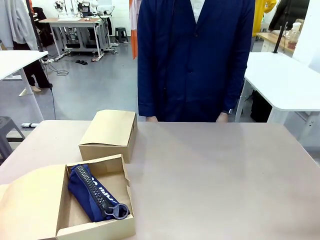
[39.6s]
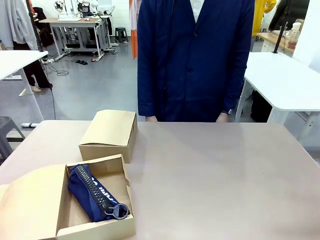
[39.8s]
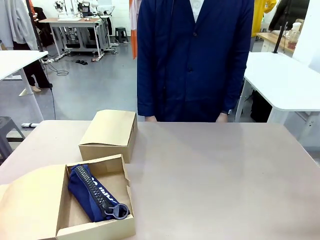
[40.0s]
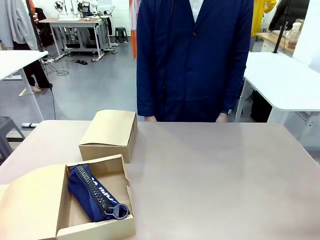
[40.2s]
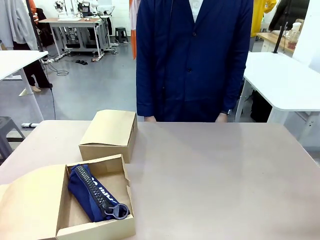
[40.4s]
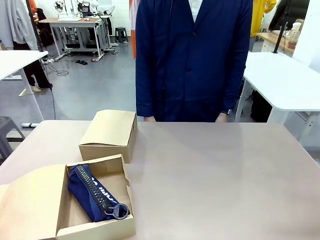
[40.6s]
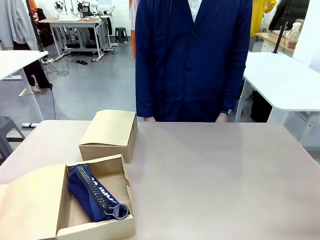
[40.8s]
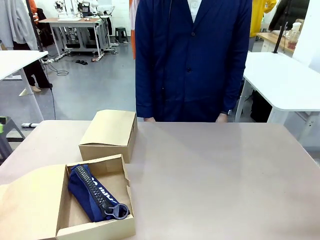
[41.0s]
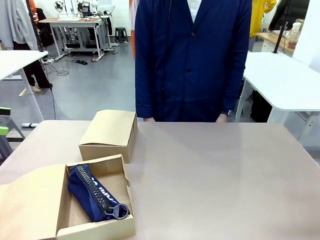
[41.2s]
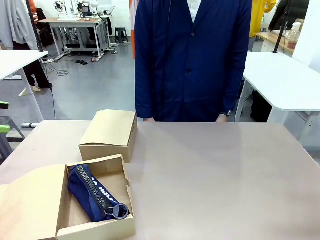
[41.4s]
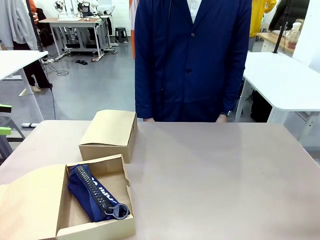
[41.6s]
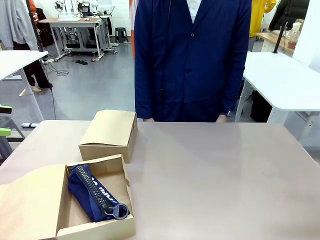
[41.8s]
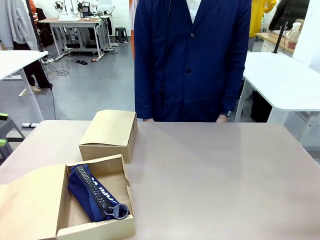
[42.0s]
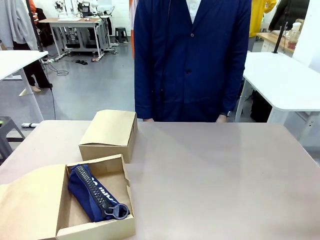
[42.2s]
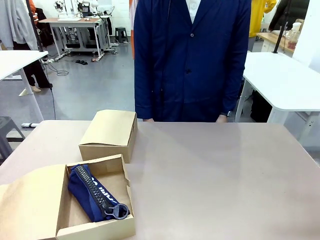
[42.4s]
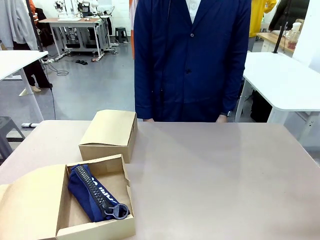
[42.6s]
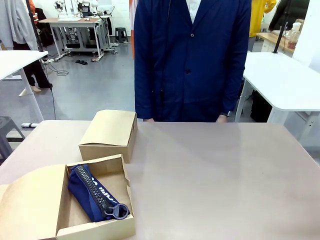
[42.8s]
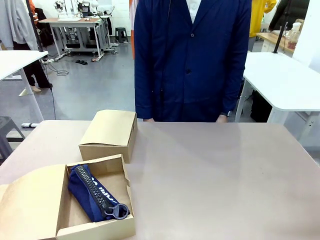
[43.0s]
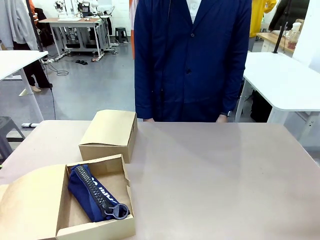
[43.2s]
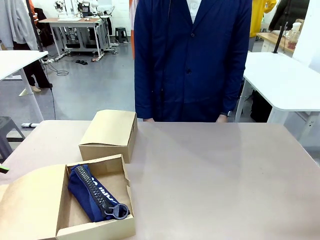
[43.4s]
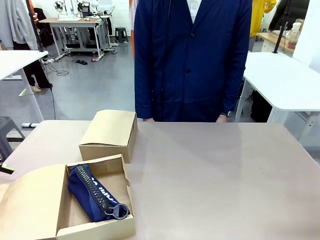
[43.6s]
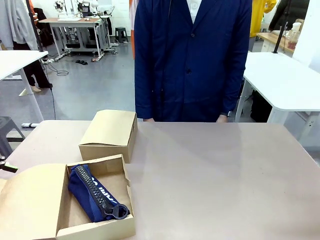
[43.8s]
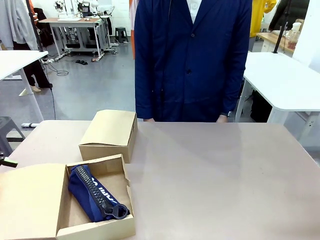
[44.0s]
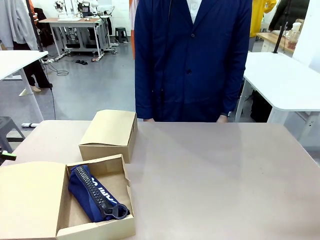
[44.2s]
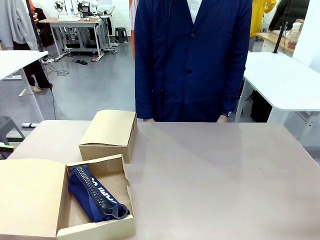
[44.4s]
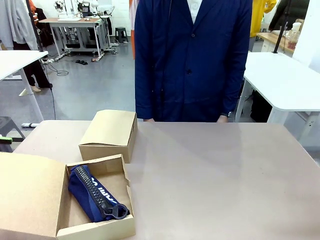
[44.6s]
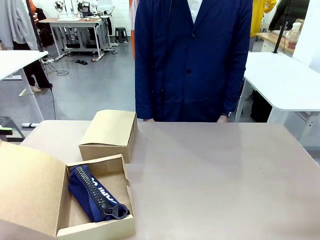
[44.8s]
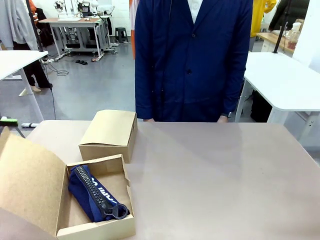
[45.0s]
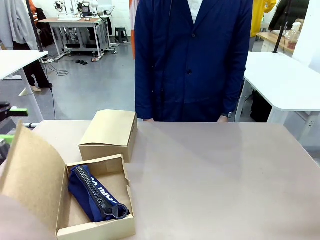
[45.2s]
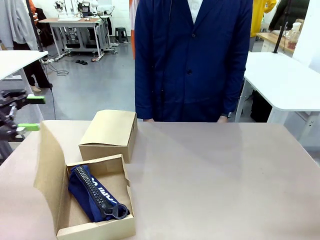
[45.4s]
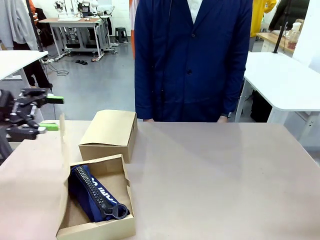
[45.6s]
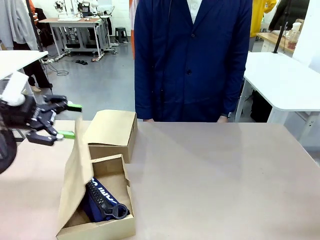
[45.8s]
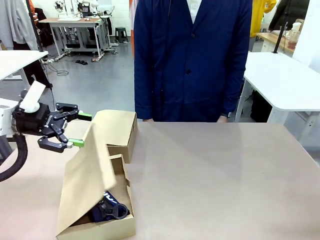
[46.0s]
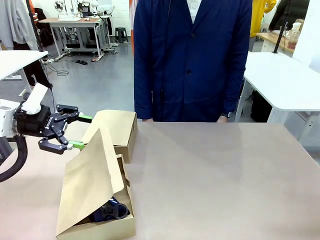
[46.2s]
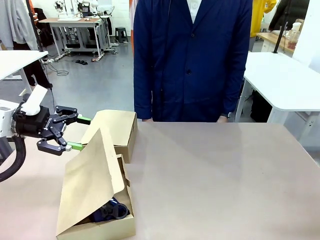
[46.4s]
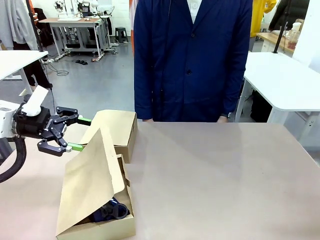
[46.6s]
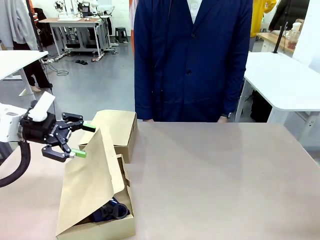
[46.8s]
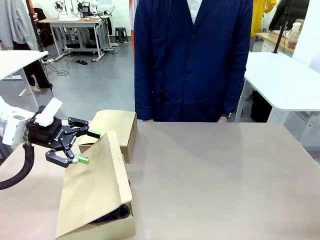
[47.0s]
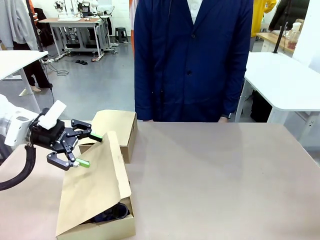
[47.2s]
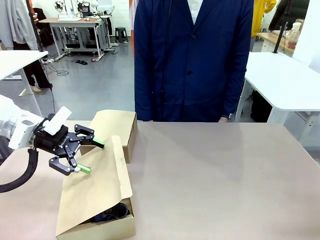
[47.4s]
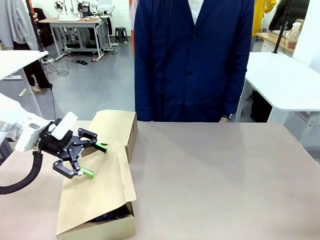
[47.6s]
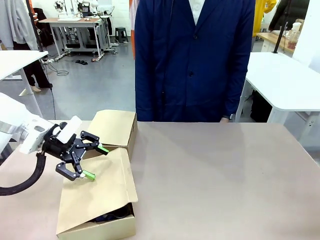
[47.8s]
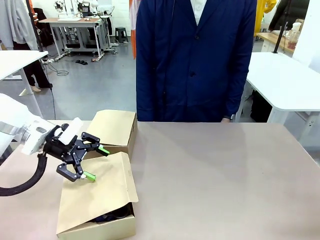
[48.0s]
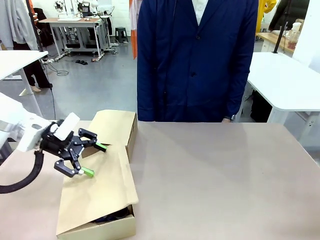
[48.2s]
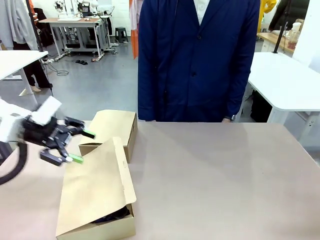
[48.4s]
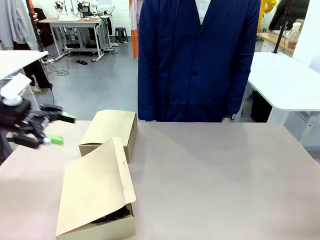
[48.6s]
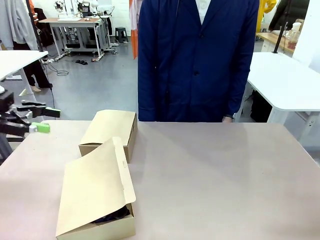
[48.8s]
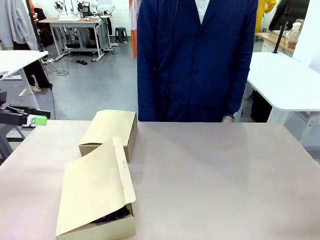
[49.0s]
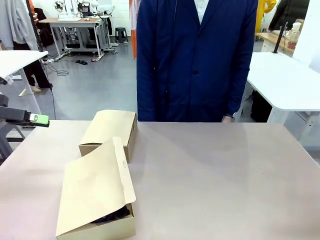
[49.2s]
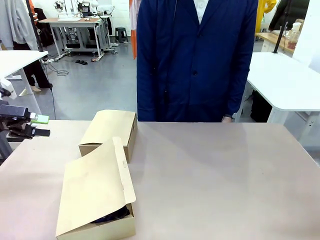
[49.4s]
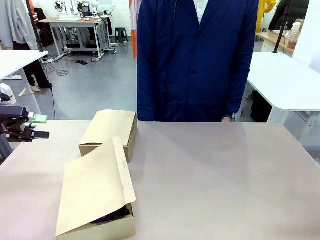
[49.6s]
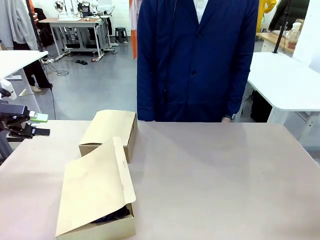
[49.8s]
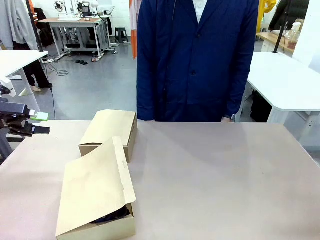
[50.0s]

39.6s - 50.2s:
Task: Place items inside the box.
Robot: Close the lid of the Mailer Box closest to the robot.

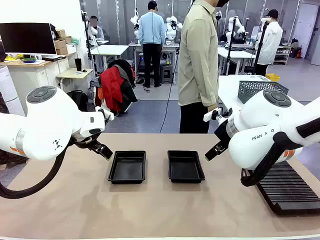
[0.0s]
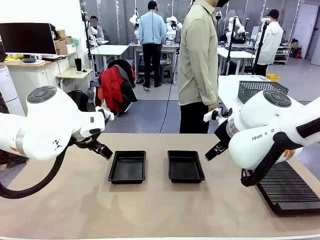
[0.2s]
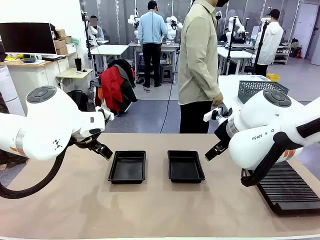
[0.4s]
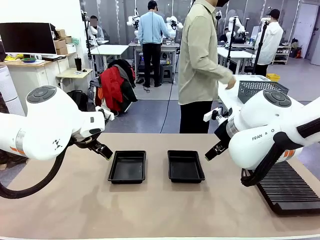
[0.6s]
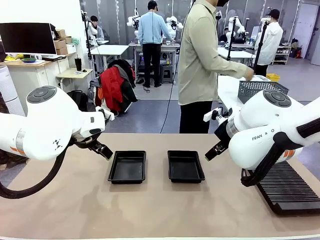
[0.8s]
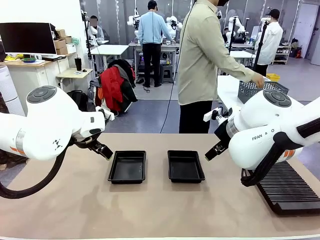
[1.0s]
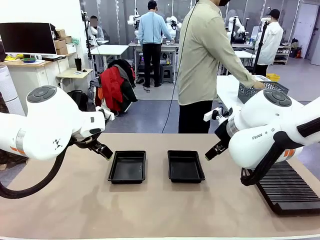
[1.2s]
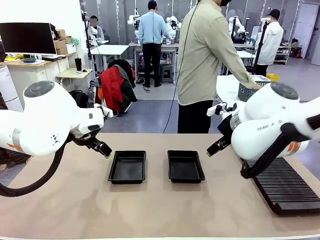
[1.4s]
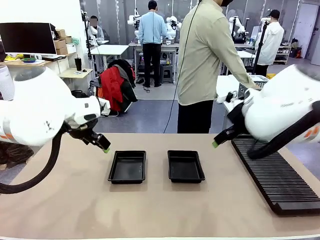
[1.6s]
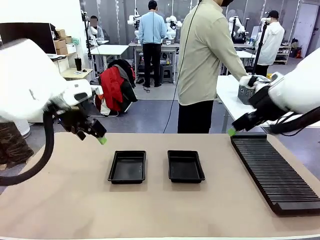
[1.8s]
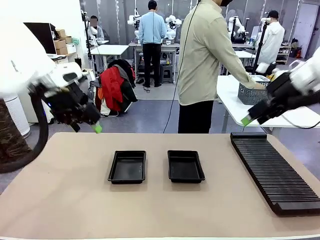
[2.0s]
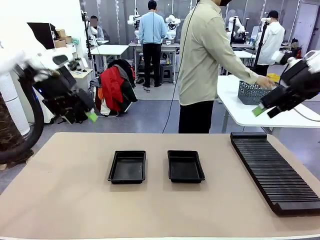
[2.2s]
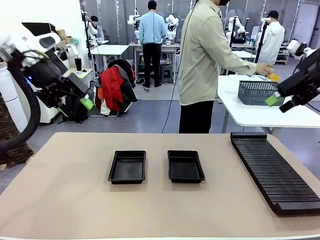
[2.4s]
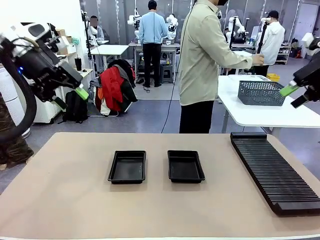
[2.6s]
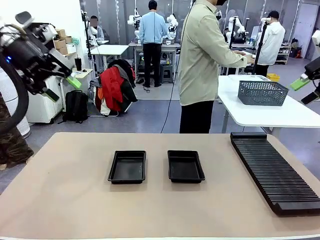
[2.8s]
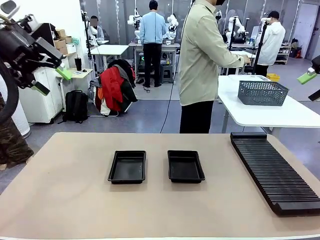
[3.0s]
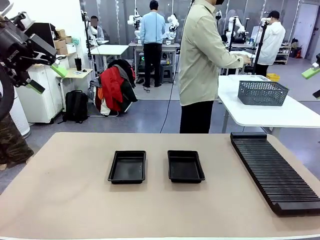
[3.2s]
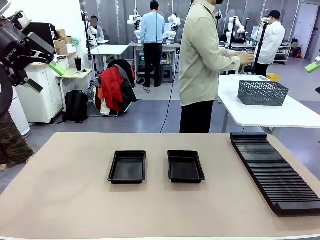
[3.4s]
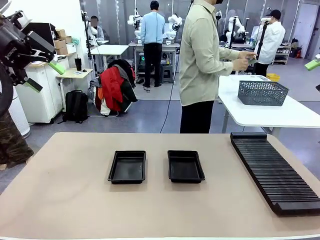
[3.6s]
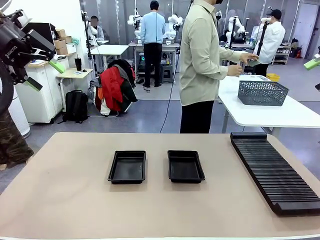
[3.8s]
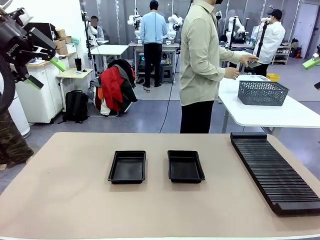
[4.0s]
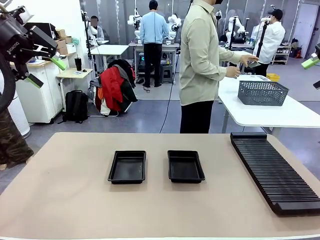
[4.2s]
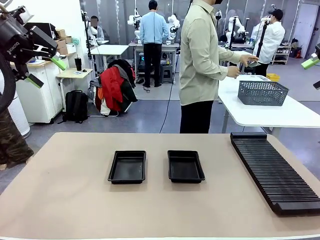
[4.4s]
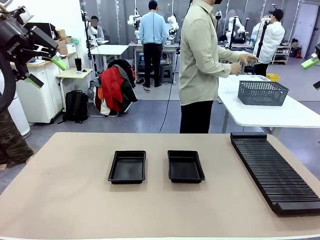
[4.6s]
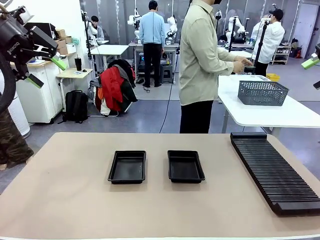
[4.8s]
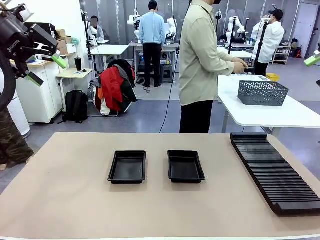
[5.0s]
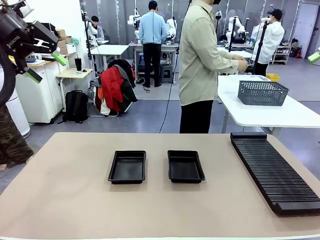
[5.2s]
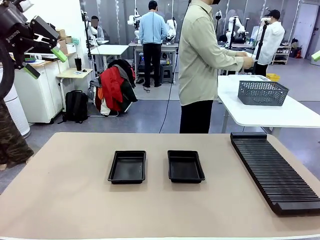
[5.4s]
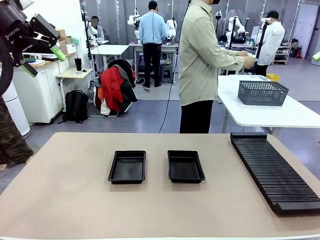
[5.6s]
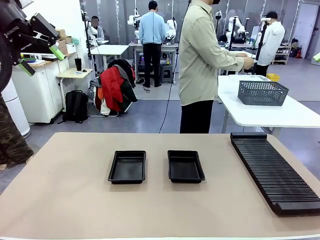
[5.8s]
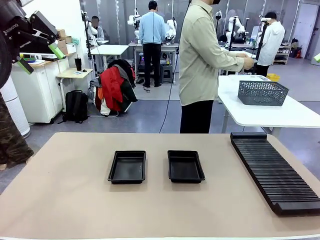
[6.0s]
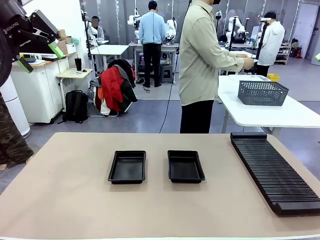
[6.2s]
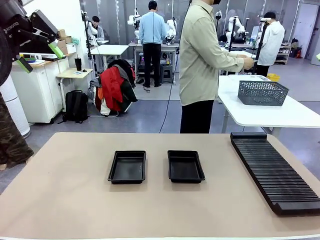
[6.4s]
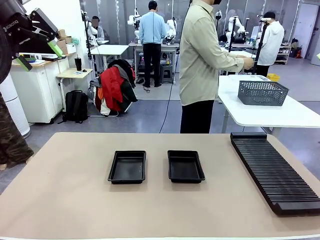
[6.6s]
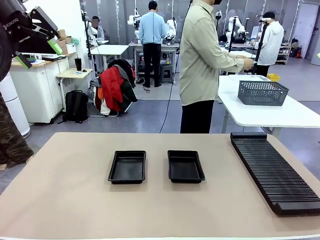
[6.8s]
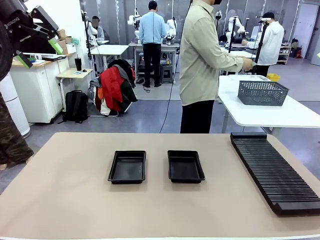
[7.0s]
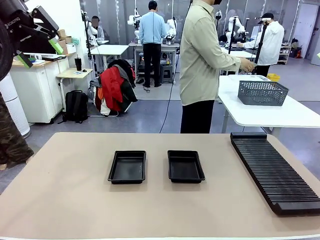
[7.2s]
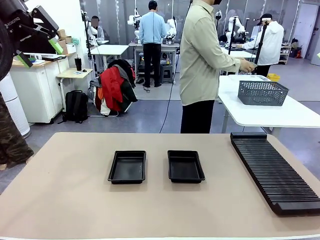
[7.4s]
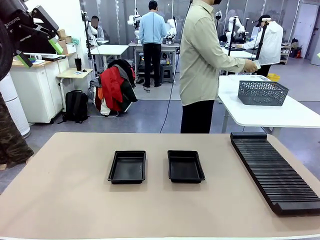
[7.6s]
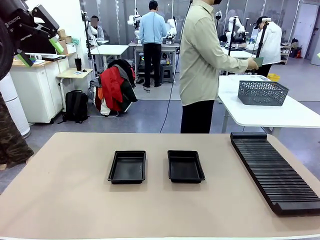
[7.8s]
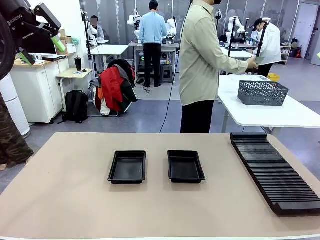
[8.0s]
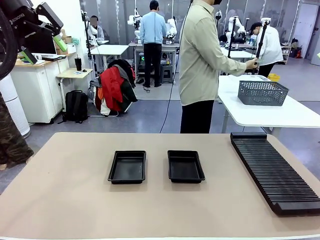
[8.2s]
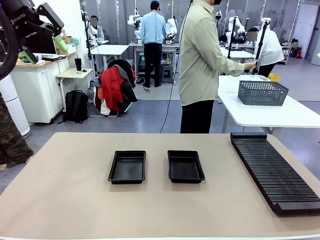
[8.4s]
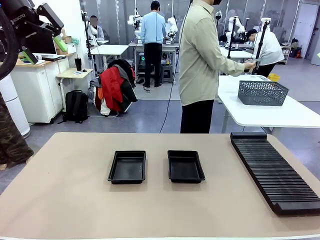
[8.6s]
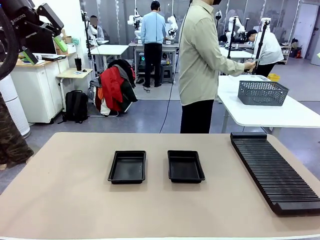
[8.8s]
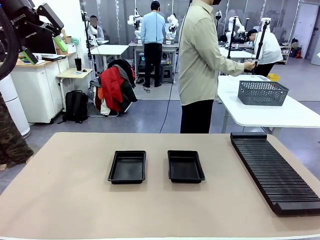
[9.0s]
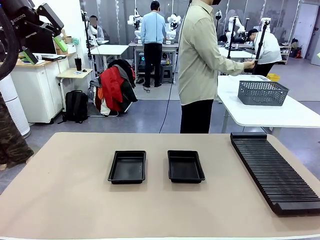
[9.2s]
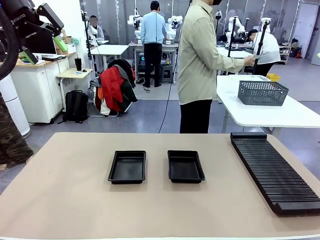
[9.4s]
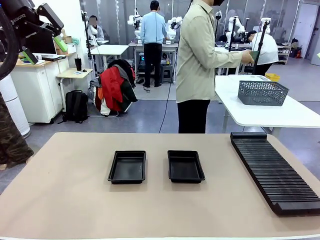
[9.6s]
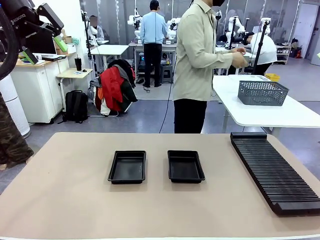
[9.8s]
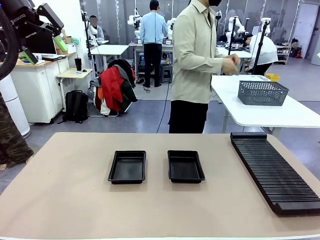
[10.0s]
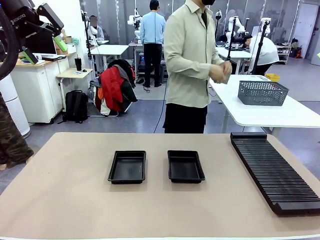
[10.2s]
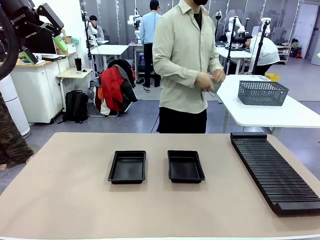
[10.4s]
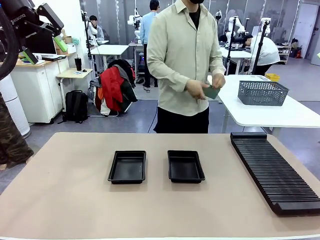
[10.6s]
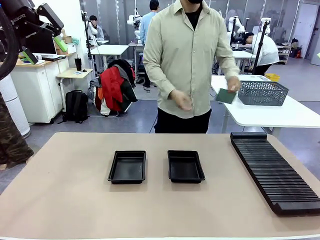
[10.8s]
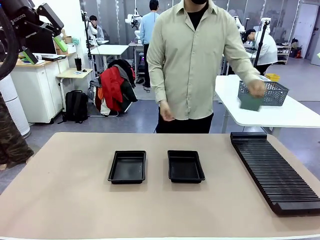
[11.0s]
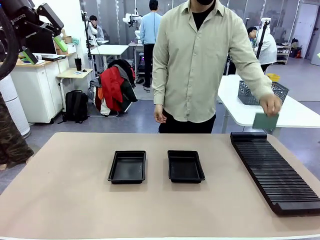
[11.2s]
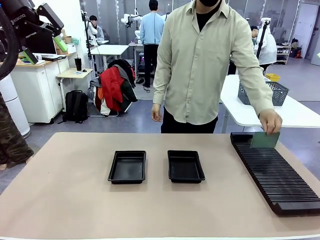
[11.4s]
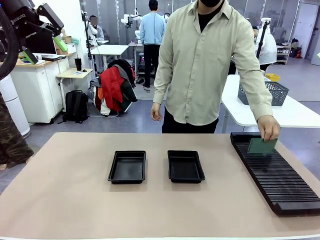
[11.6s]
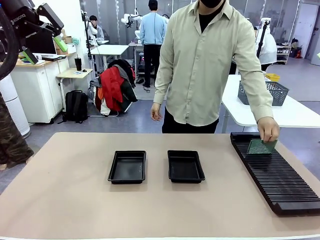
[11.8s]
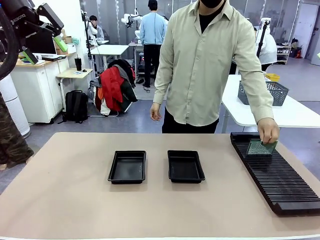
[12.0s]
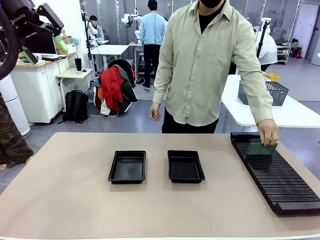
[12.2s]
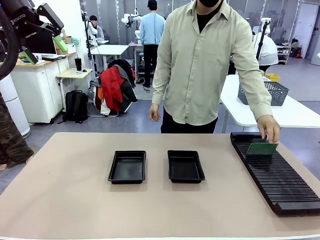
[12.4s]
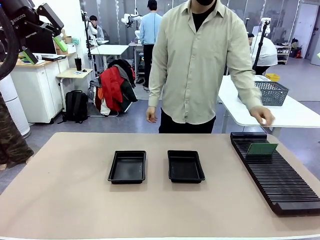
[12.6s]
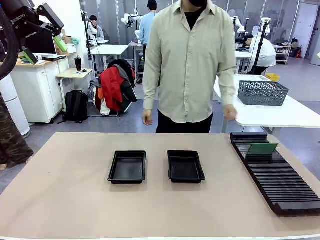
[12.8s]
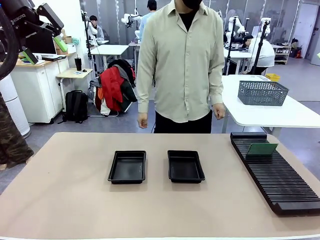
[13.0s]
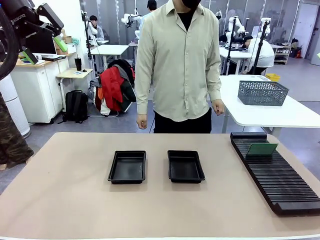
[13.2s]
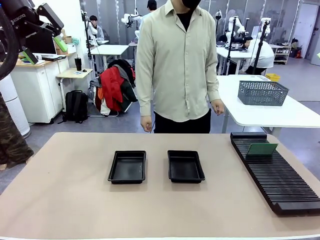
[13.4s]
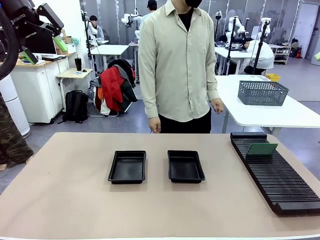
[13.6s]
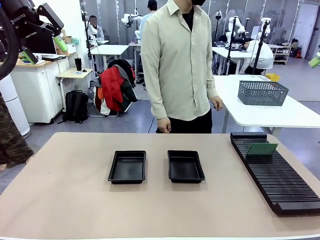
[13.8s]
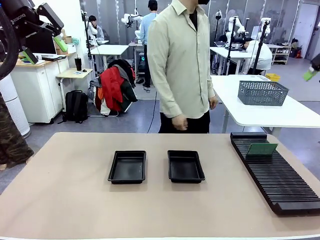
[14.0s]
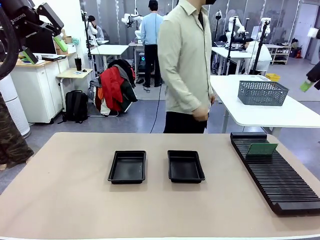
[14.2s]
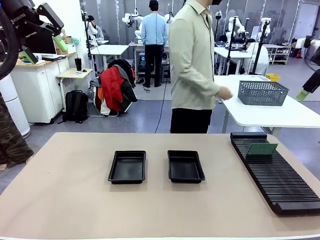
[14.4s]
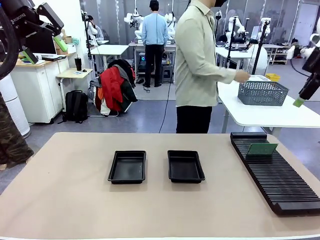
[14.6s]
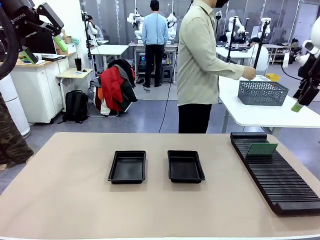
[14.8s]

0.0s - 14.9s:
Task: Inspect and transfer BCBs to ESD trays.
Robot: Pick up the Blank PCB from the PCB Rack and place it in the left ESD tray.
